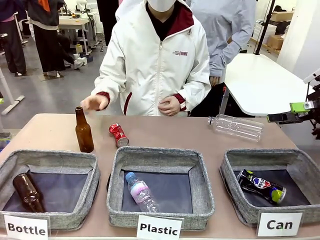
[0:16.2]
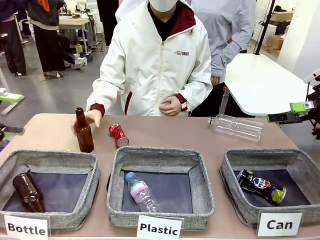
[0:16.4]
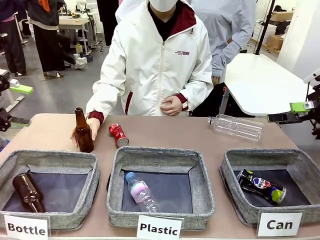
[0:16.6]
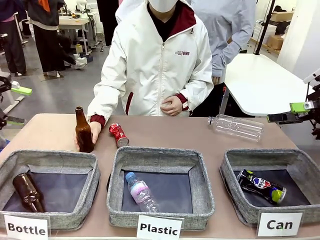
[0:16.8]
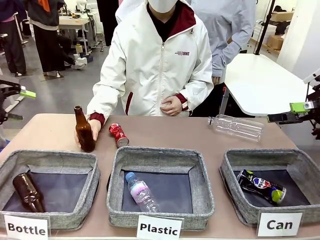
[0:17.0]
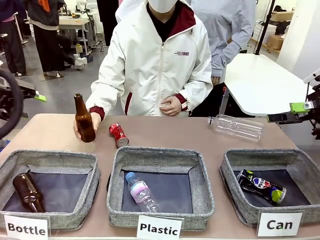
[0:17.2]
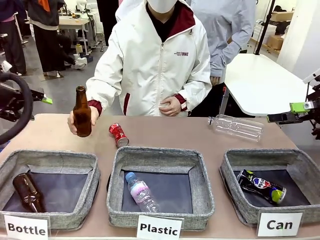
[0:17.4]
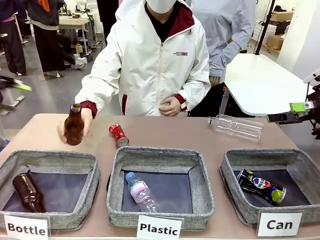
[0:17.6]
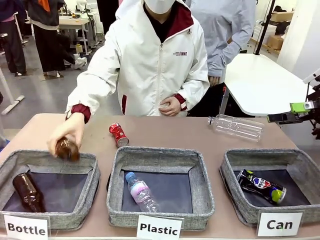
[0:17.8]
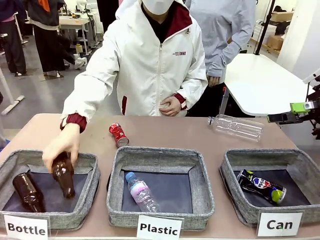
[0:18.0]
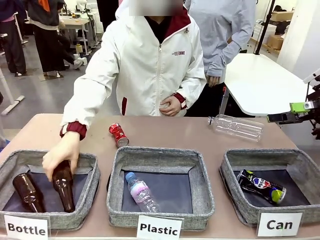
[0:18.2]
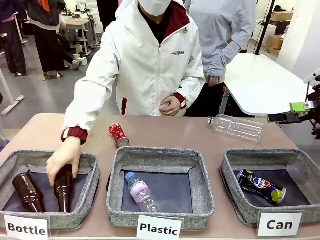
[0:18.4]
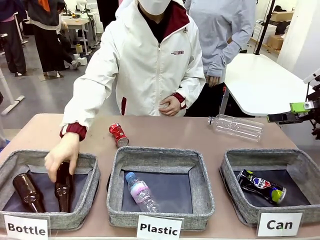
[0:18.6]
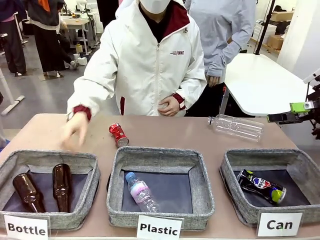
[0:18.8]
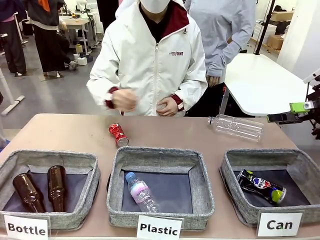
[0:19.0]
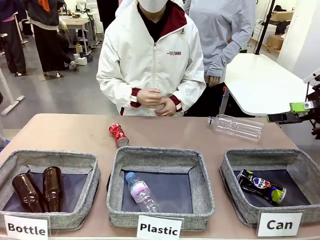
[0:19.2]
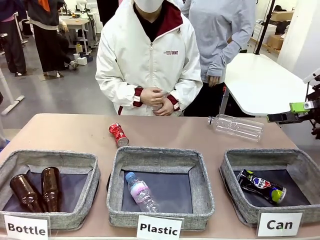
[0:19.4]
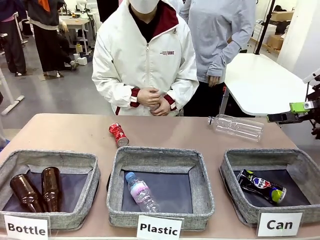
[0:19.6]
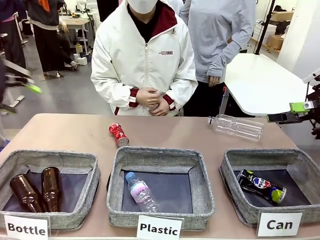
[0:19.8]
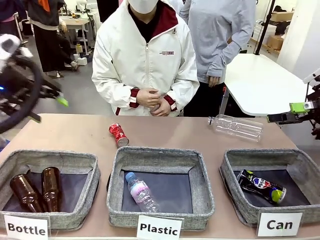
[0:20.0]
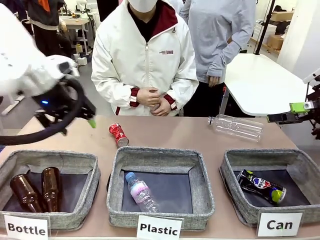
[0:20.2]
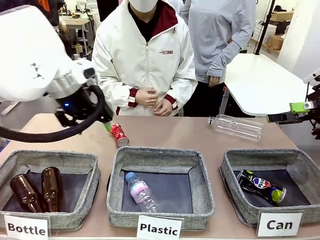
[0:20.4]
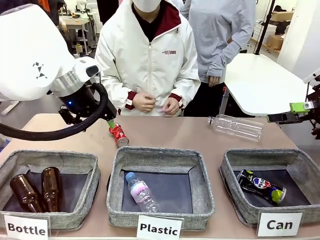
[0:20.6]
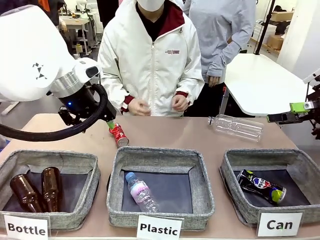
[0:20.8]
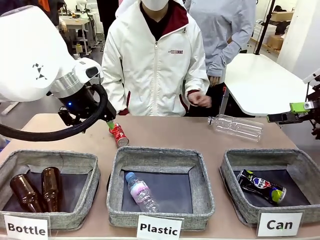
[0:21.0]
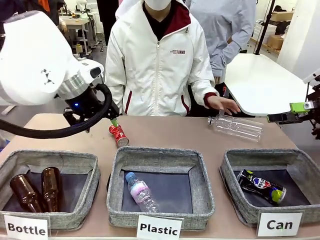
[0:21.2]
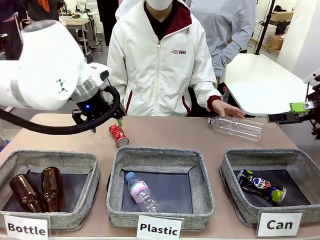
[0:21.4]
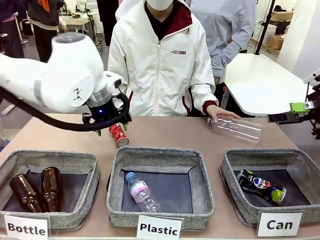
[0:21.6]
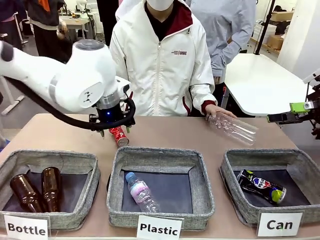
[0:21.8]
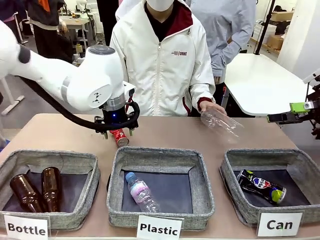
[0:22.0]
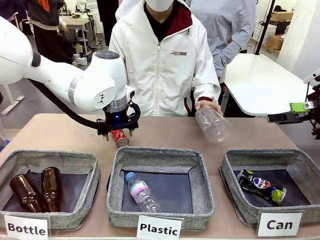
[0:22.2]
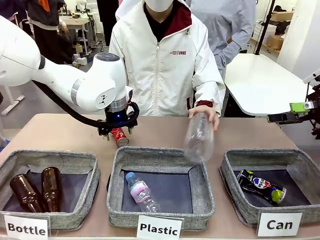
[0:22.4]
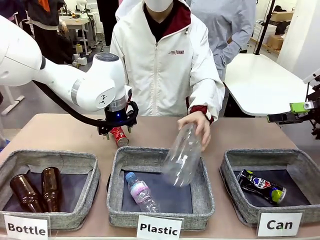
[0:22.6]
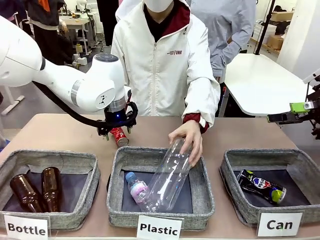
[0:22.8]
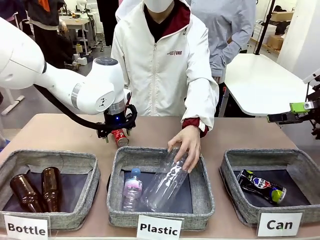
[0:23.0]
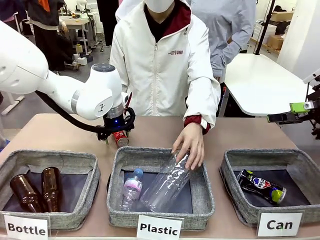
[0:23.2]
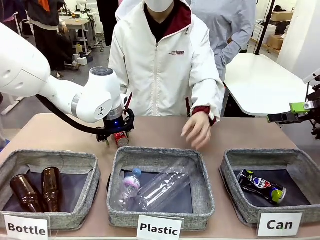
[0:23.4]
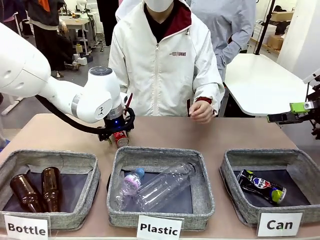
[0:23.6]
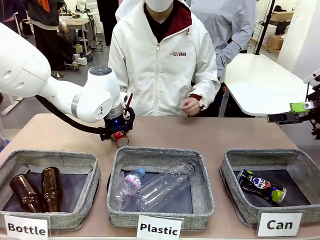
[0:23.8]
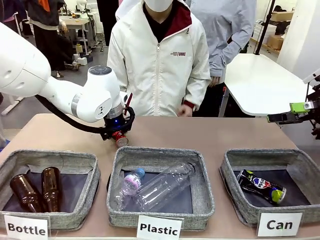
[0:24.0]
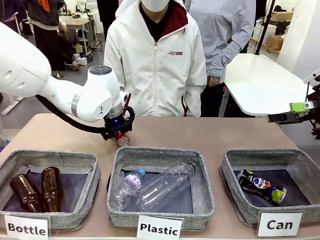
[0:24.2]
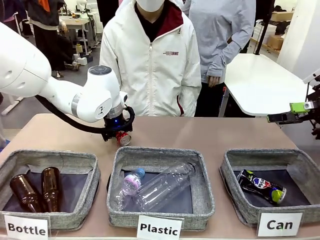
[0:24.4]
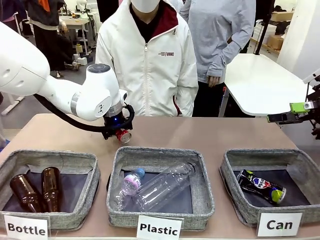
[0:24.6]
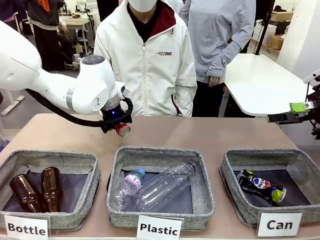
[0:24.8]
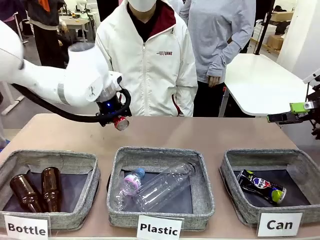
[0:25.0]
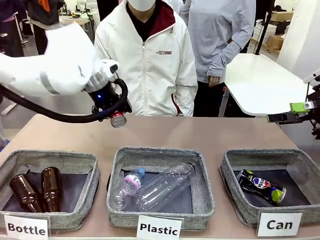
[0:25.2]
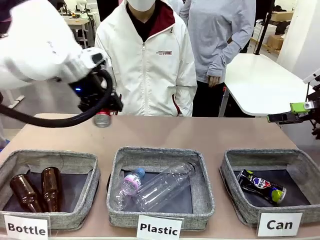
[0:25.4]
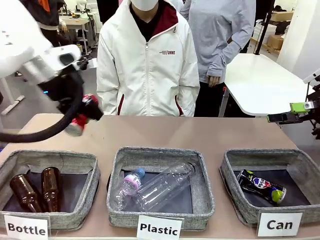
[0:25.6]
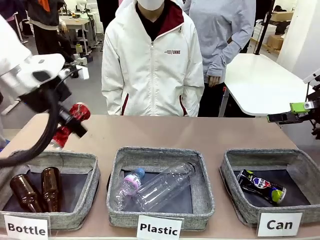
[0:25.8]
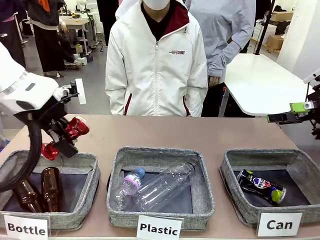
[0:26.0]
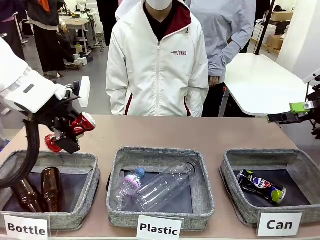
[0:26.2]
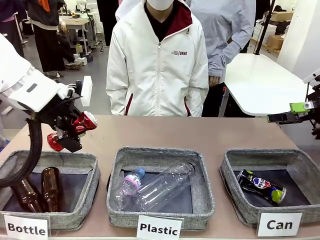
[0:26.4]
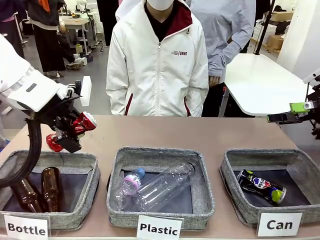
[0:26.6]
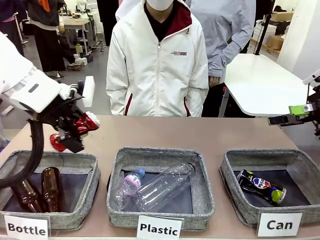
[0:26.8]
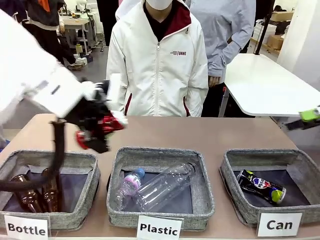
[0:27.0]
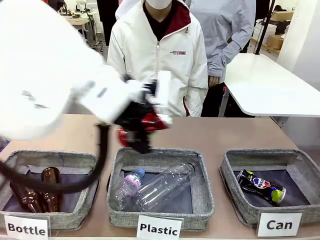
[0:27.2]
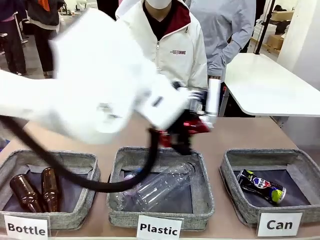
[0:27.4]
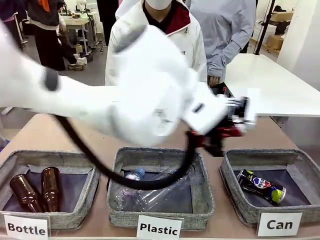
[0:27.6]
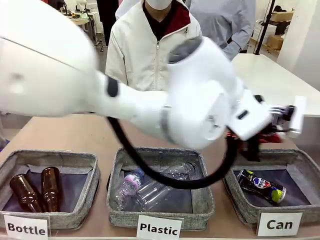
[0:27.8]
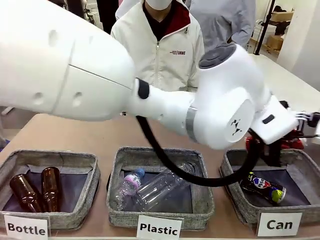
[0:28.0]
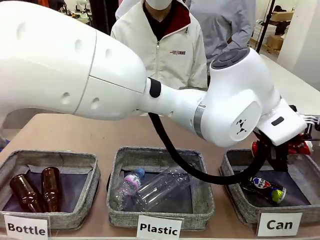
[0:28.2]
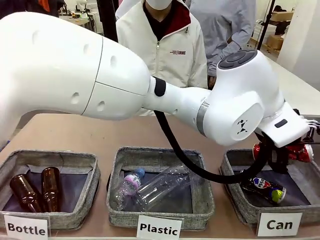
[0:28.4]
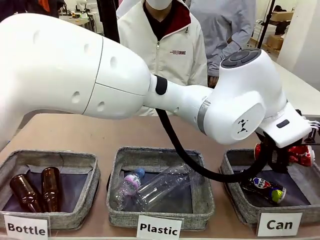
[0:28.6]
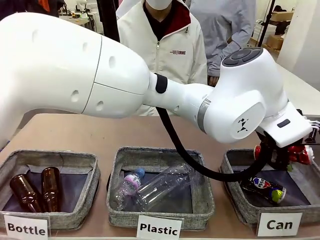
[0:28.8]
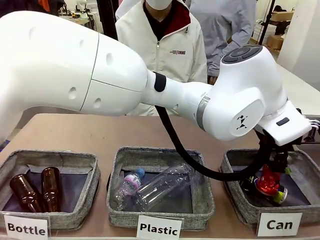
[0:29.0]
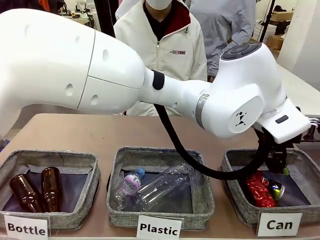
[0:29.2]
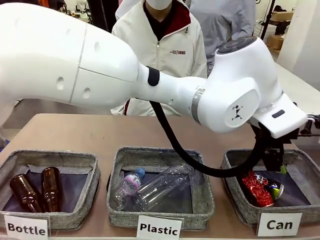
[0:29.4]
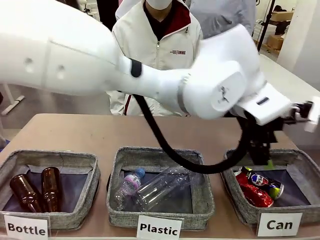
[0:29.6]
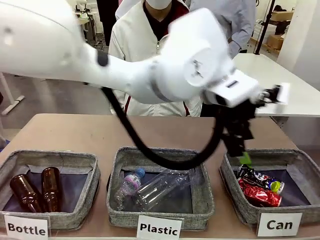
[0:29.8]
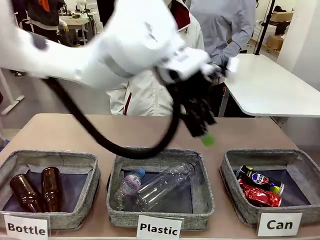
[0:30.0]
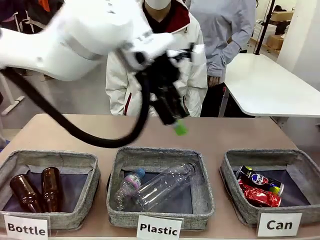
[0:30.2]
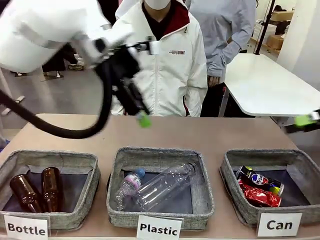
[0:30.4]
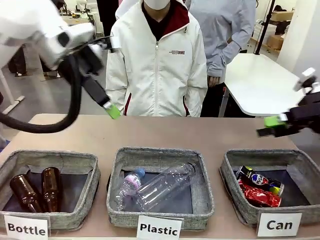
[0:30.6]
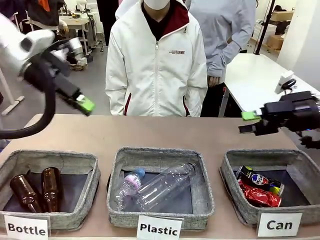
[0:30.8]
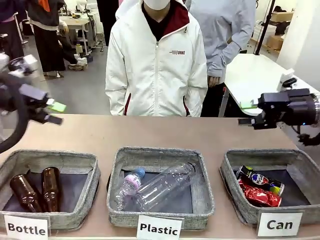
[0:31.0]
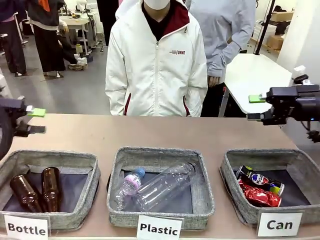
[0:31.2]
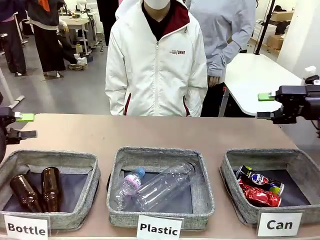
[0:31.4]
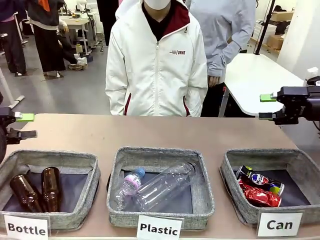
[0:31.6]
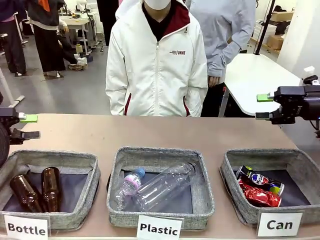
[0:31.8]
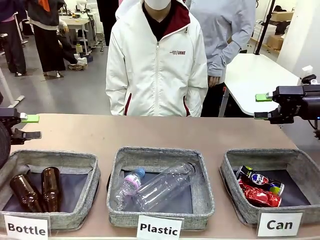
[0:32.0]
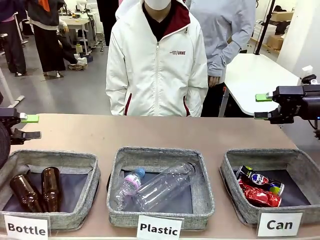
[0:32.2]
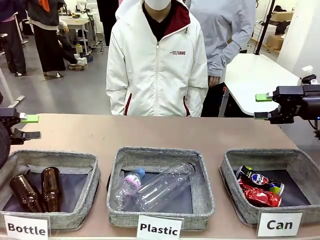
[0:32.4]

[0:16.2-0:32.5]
Task: Sort the can waste into the basket.
Robot: Pick up the can waste from the table and place it in the right Fabric basket.
Person: The human picks up one piece of trash that is not a can and places the trash into the appropriate organizing basket.

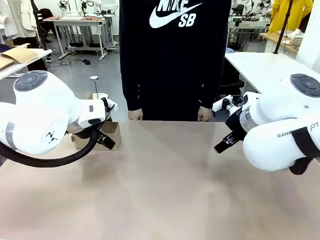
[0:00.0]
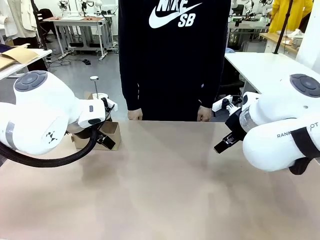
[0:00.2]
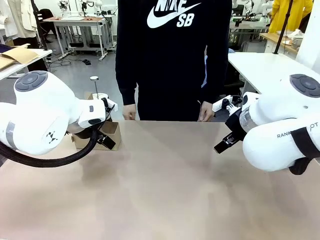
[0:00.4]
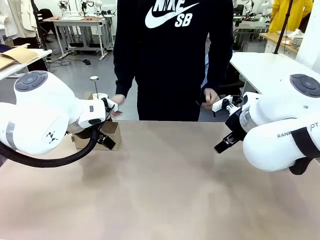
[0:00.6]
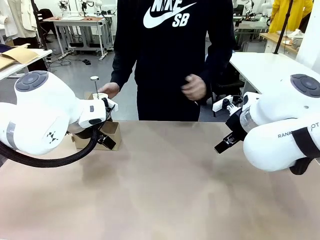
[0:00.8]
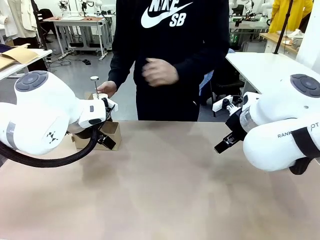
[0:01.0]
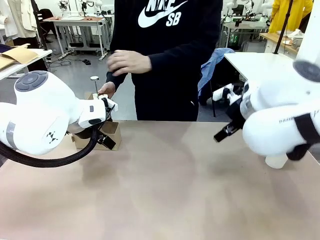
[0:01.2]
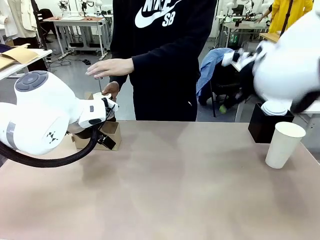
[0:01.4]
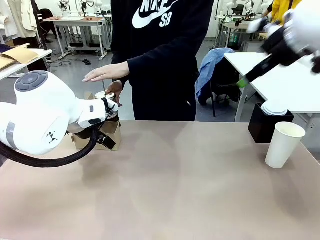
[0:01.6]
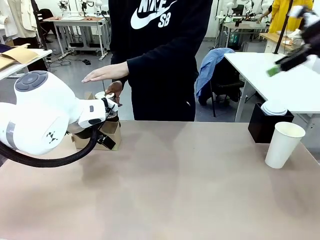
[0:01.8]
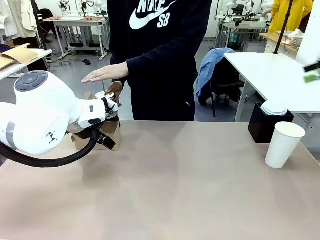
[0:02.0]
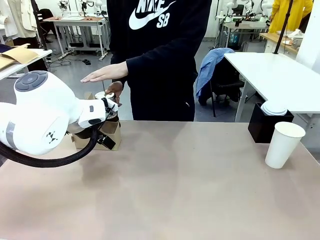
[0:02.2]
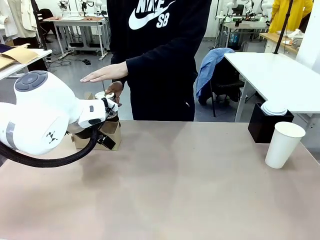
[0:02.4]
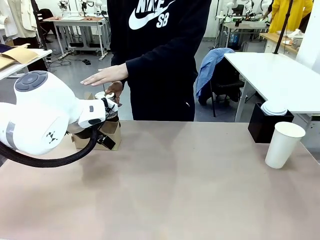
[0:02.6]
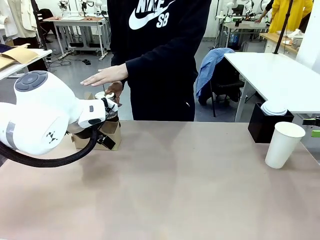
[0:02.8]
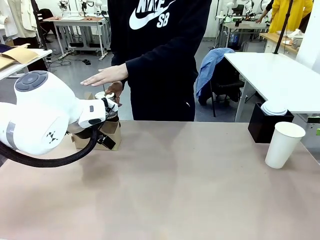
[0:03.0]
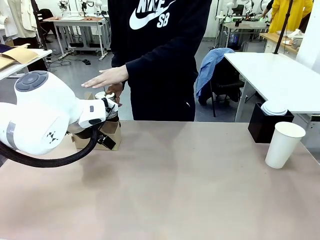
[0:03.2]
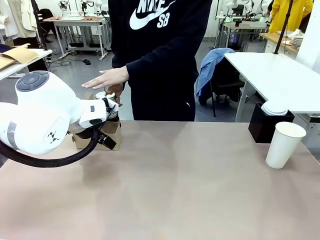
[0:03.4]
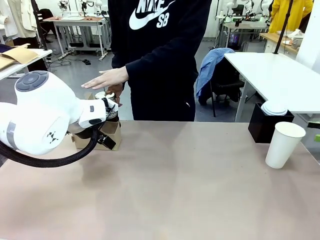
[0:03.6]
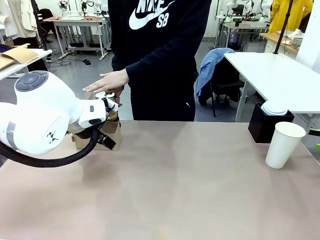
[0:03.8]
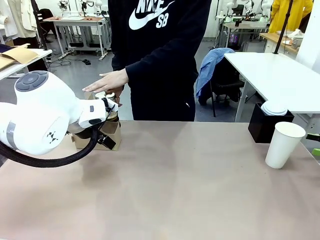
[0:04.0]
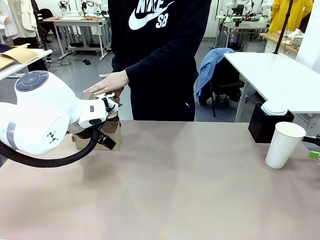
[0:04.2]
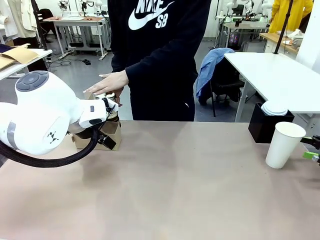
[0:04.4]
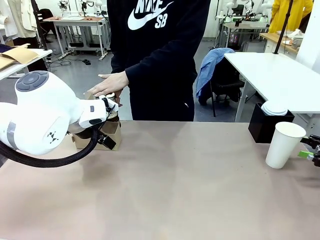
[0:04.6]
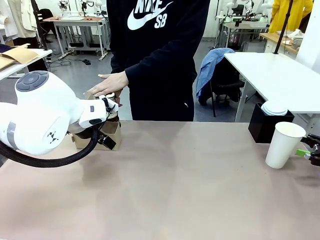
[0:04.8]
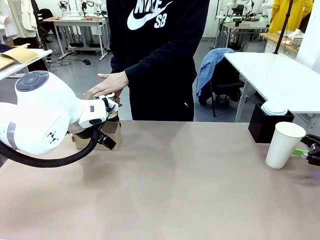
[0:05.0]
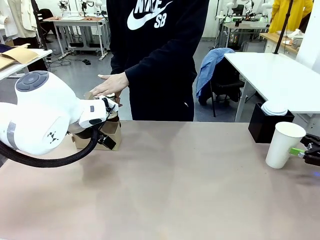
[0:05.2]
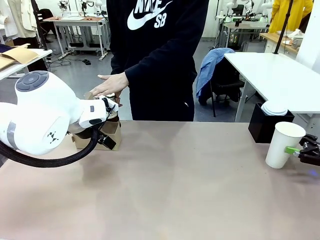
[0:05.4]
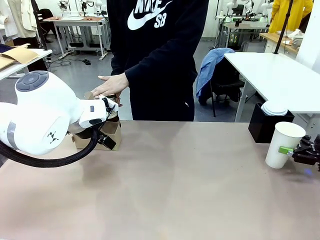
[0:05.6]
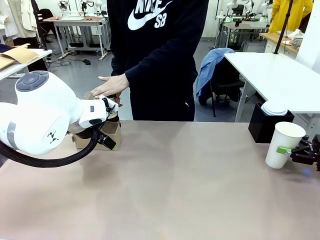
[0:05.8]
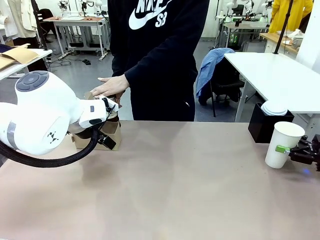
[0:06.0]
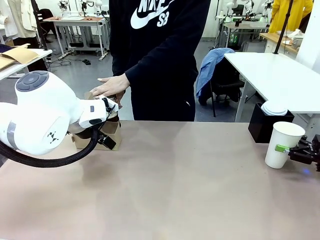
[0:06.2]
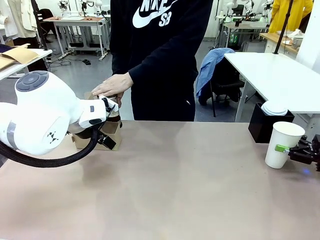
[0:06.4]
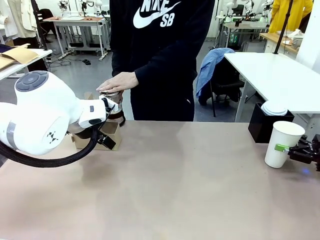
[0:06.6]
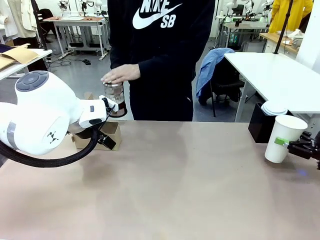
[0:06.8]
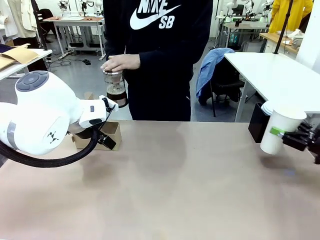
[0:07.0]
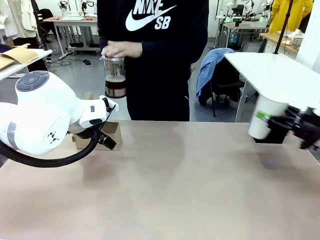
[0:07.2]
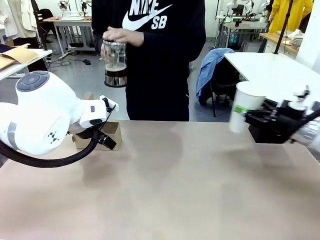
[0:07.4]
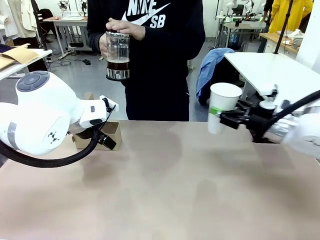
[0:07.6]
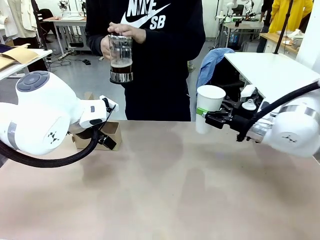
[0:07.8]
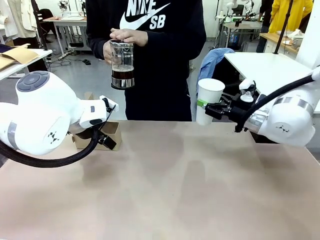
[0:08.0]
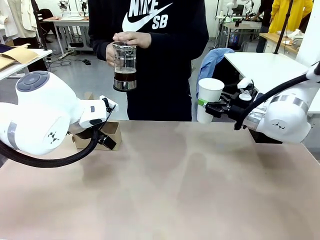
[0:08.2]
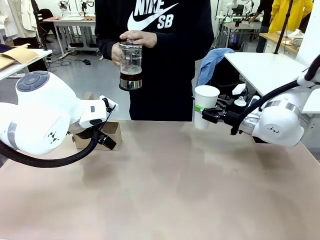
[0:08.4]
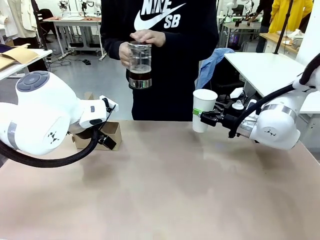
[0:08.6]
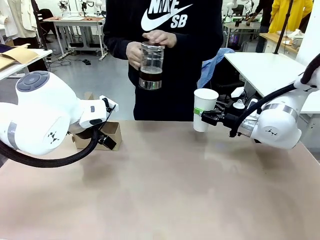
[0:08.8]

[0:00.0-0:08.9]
Task: Pour a drink into a cup and package it in a carrier.
Robot: Pick up the 600 ml Paper Cup and place it in the middle top area of the table.
Person: Press and pick up the Filter Brewing.
